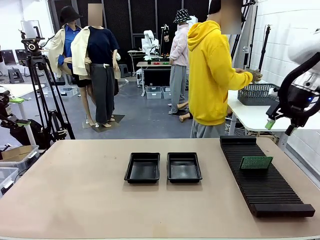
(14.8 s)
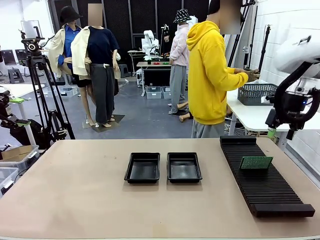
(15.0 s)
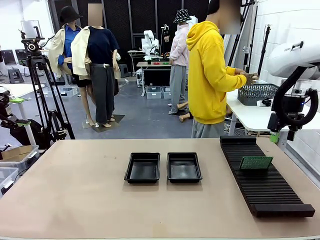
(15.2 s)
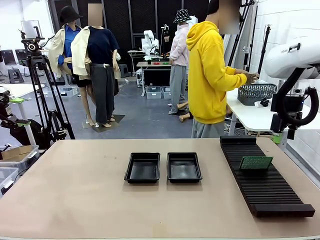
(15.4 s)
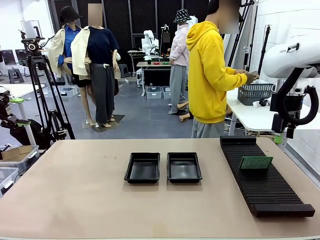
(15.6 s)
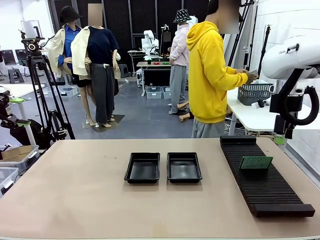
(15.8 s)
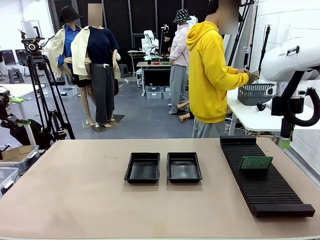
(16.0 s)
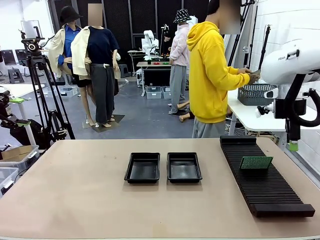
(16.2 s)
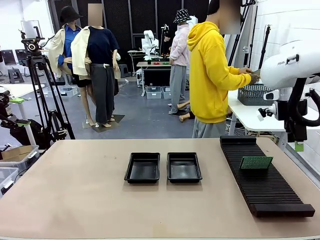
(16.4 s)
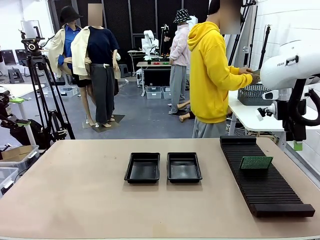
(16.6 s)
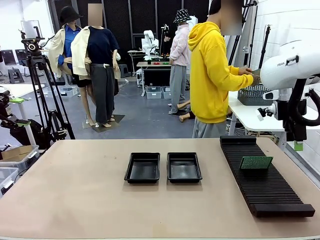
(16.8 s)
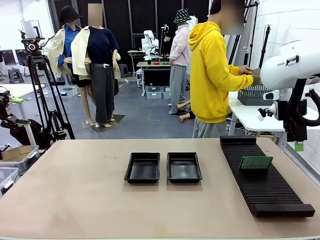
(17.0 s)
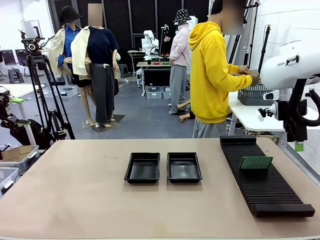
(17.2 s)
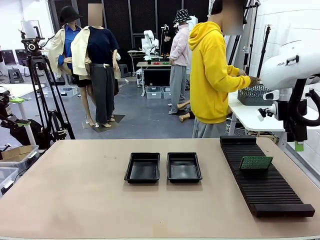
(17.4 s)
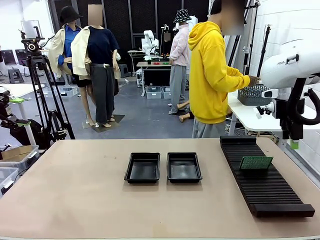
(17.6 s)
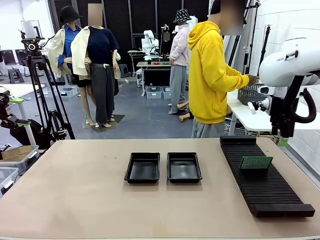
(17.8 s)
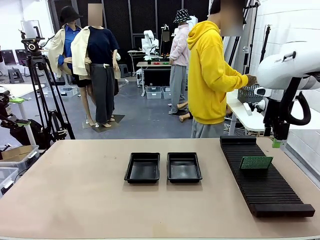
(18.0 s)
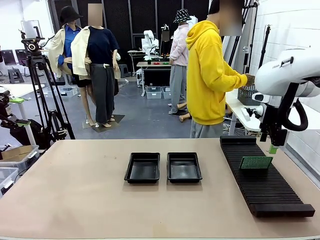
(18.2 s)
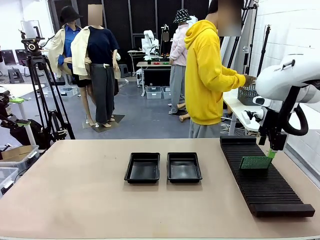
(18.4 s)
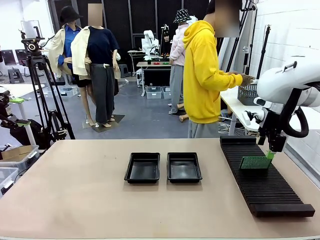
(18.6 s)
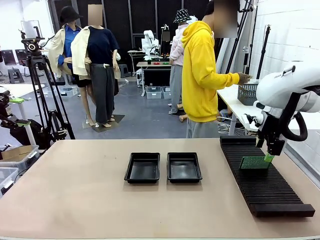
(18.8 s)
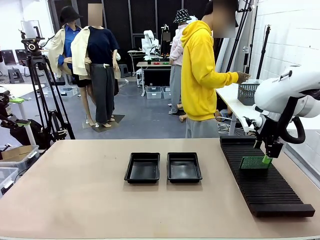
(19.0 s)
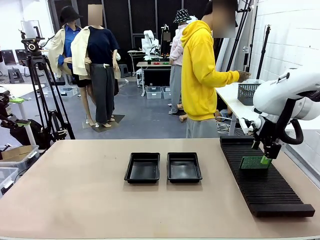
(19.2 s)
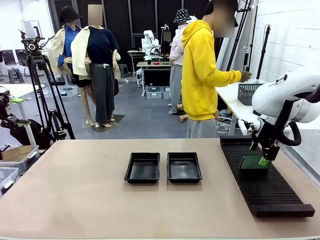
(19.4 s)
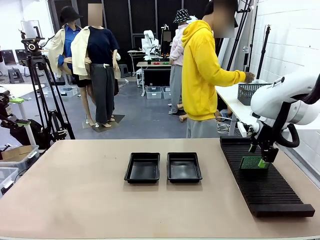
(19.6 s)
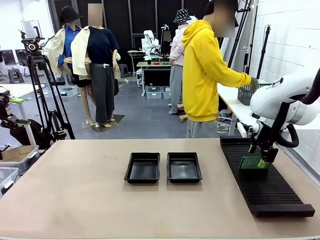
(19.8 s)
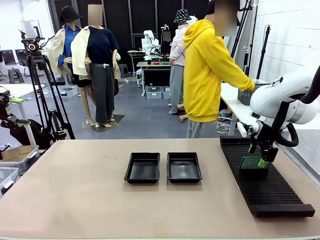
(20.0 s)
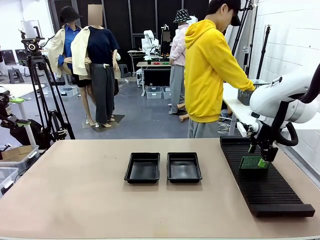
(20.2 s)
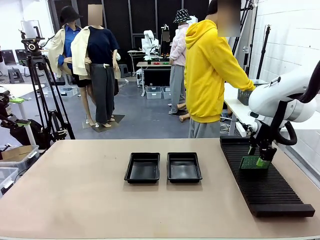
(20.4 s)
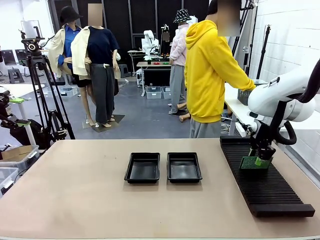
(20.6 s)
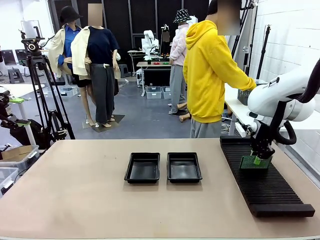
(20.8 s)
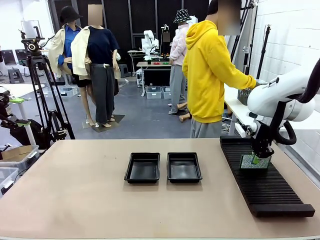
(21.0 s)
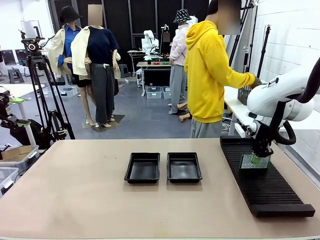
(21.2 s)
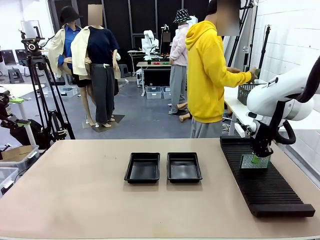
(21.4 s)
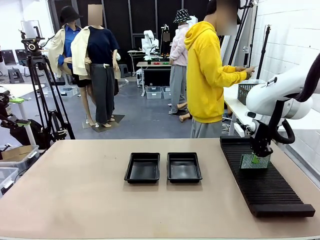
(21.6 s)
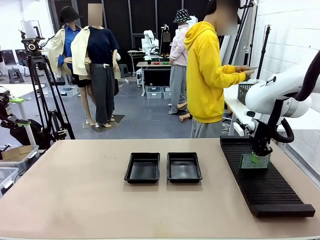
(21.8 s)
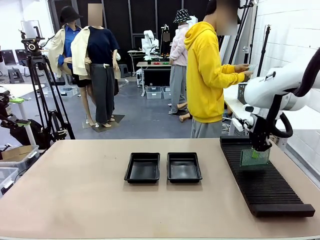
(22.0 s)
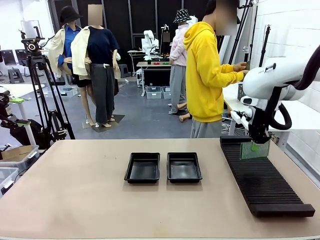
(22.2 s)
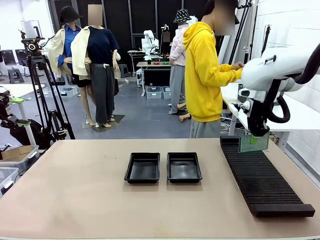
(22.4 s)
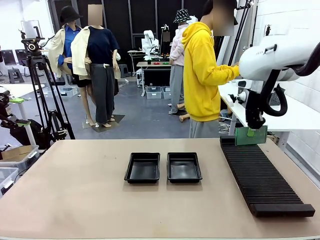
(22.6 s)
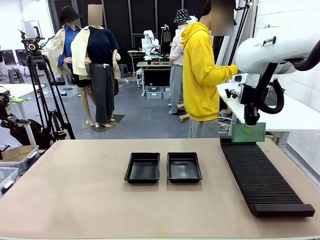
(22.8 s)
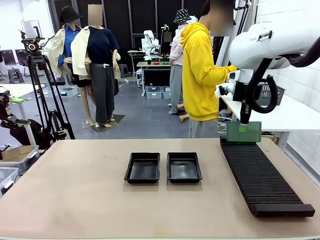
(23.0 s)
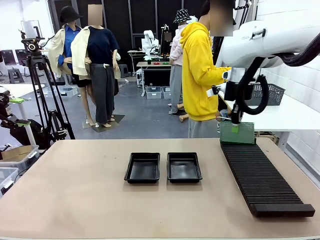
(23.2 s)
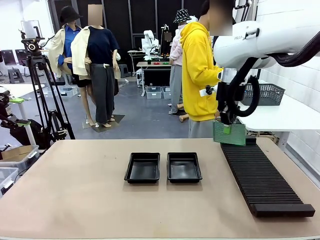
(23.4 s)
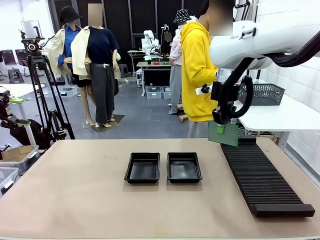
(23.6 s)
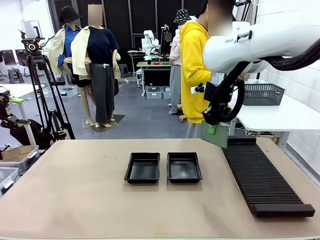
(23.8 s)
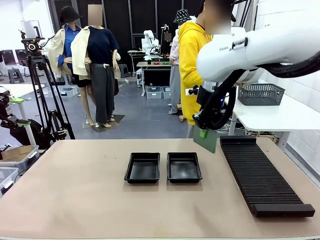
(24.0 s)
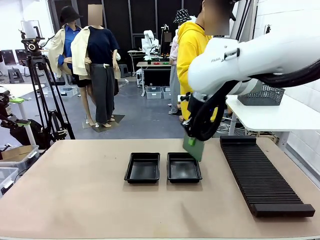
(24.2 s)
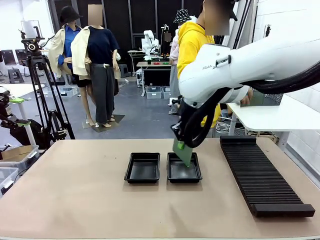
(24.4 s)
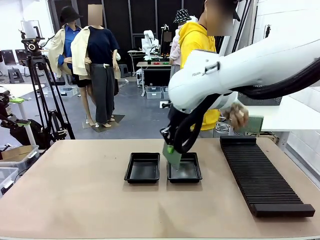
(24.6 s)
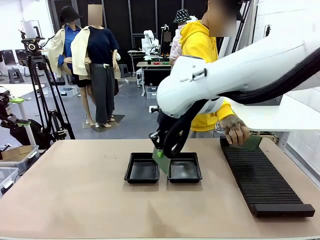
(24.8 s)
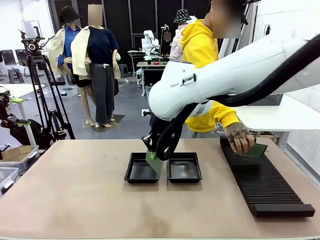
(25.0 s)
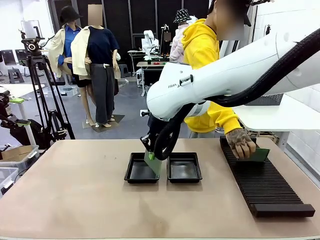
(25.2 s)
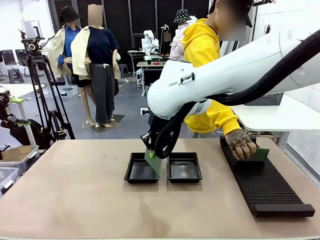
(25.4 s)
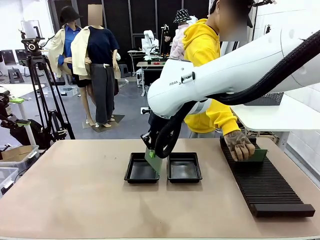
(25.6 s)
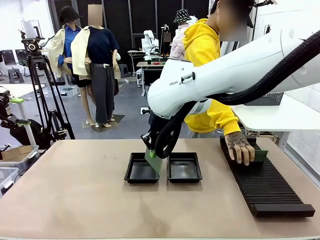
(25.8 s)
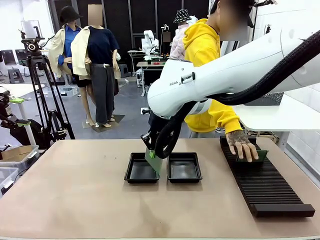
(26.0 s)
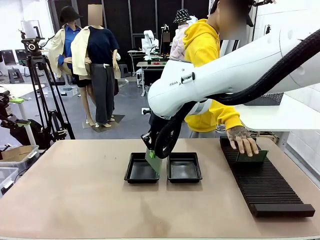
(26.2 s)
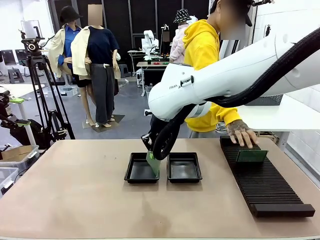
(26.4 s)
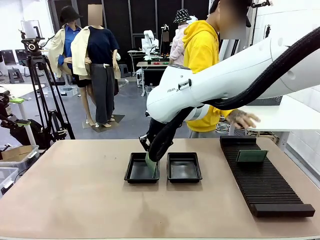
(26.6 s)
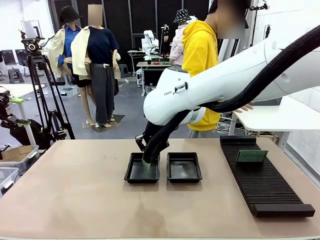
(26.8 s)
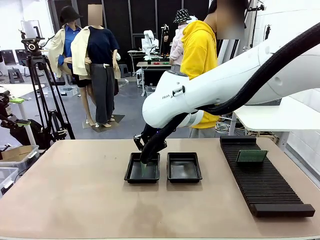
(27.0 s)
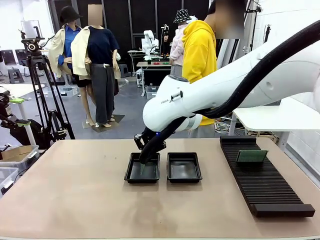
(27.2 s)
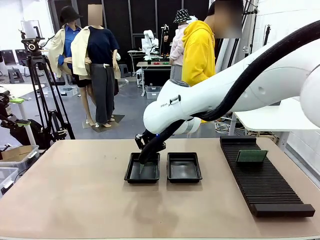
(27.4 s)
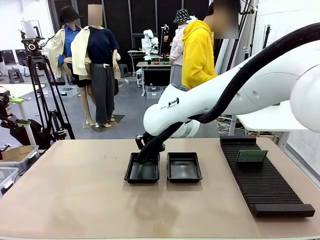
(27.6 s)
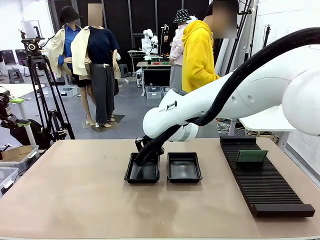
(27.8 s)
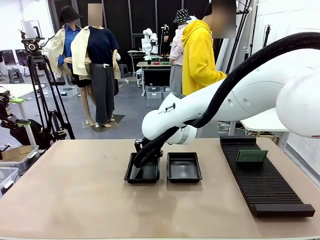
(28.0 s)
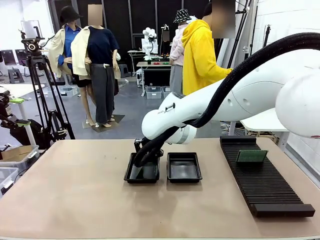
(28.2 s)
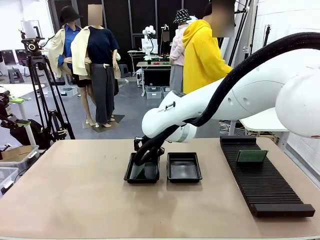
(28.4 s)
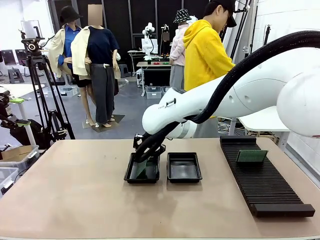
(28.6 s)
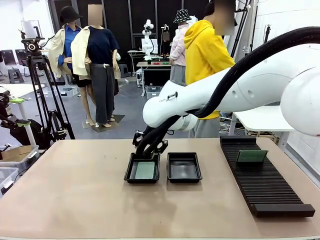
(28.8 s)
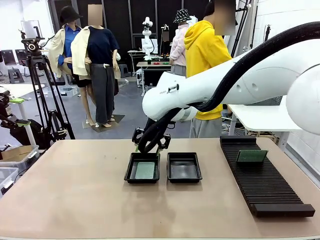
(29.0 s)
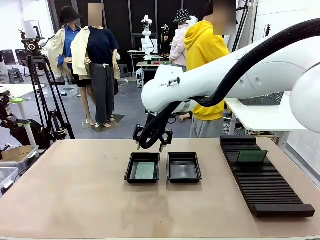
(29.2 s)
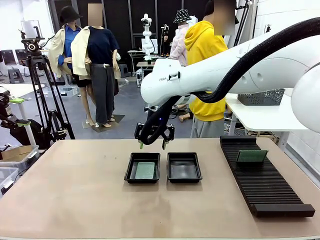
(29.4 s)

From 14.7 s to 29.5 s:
Task: Inspect and transfer BCBs to ESD trays.
Robot: Pick up the Blank PCB from the PCB Rack and place it in the left ESD tray.
